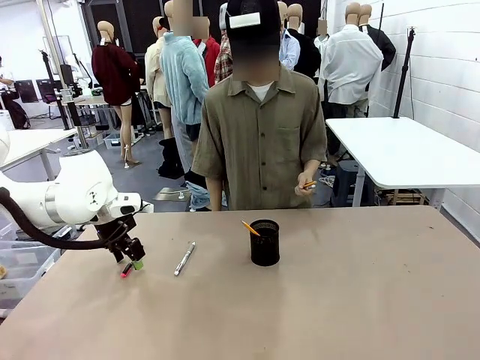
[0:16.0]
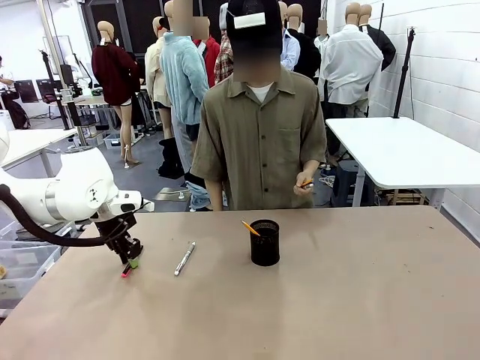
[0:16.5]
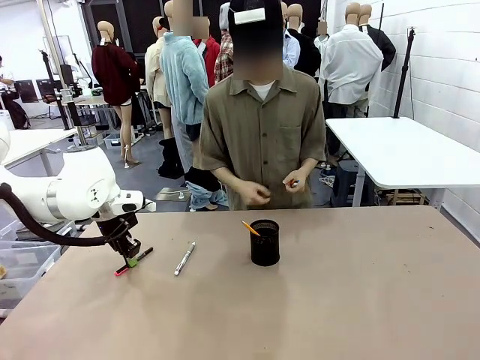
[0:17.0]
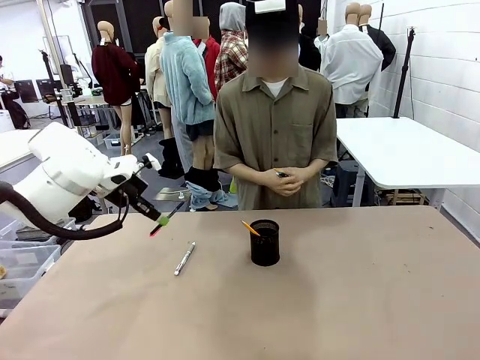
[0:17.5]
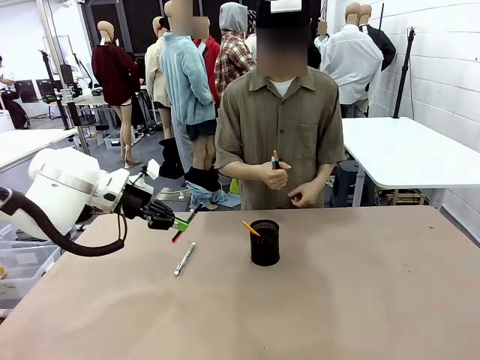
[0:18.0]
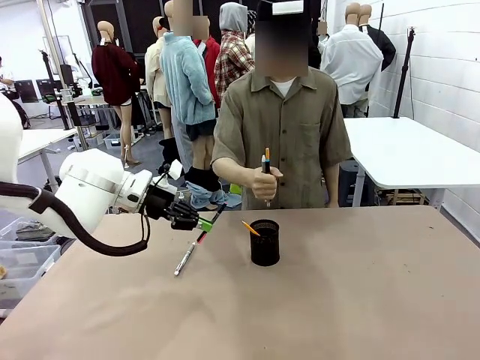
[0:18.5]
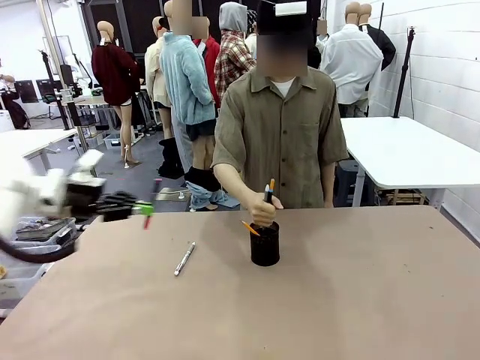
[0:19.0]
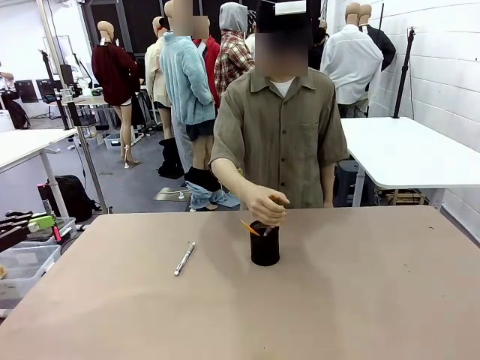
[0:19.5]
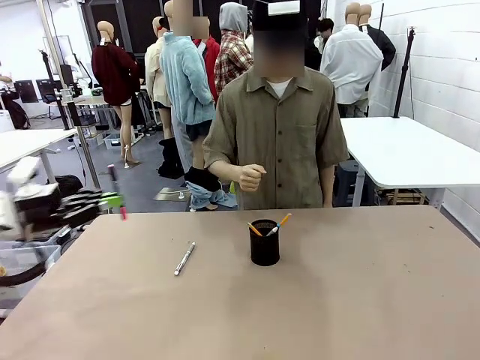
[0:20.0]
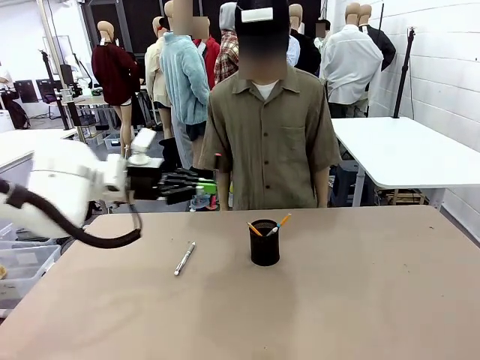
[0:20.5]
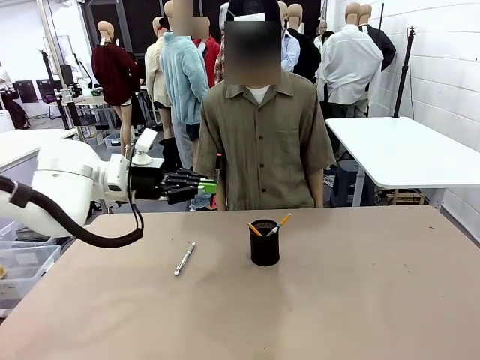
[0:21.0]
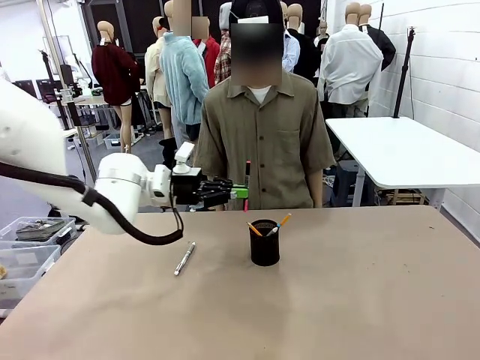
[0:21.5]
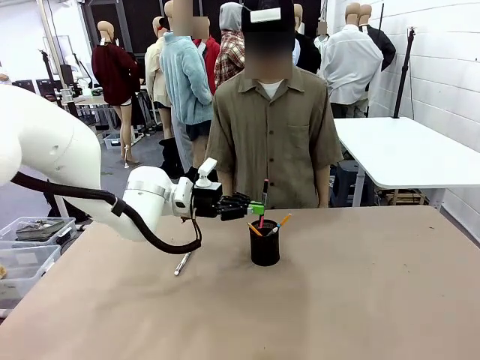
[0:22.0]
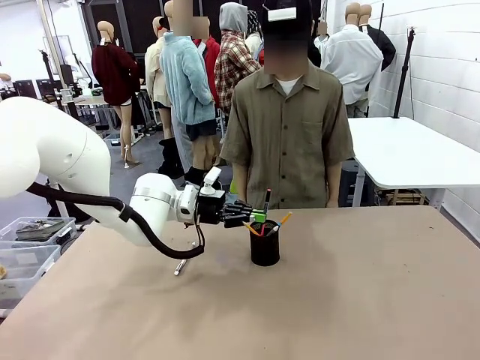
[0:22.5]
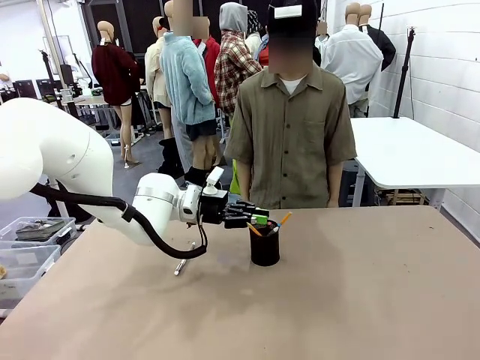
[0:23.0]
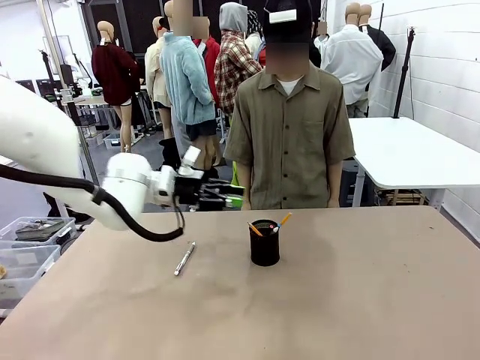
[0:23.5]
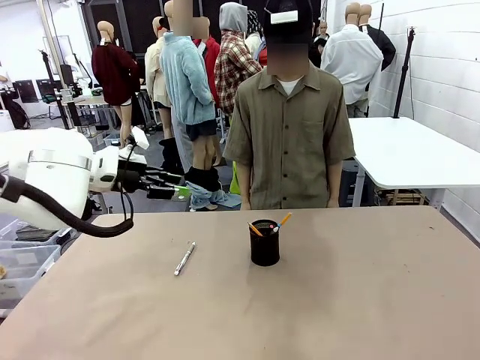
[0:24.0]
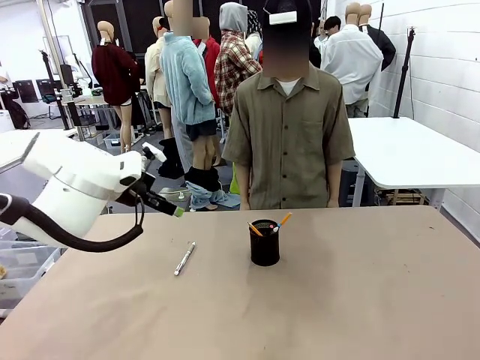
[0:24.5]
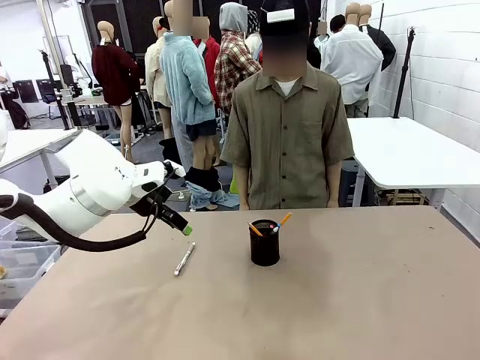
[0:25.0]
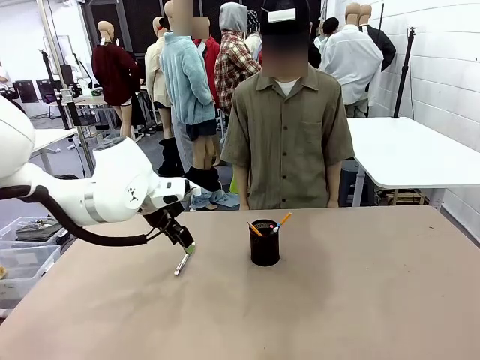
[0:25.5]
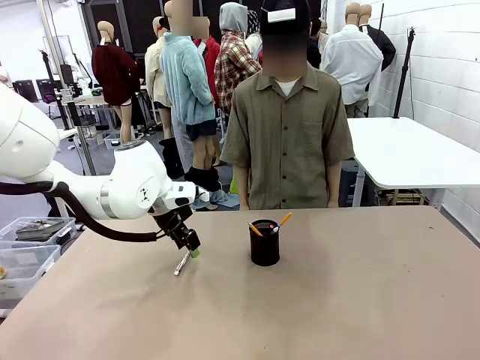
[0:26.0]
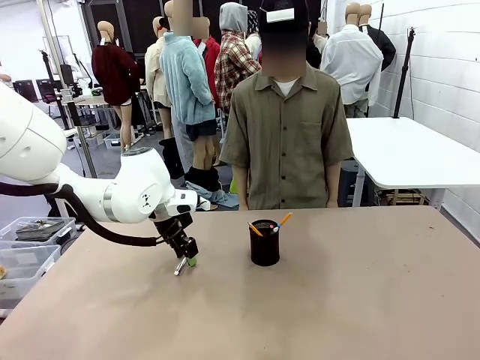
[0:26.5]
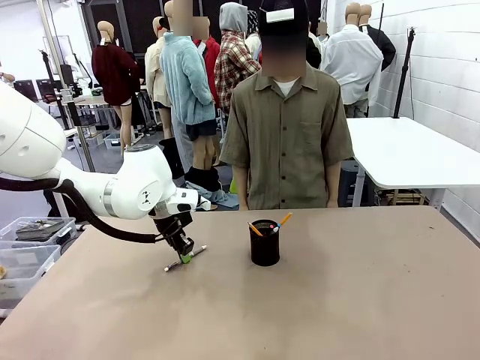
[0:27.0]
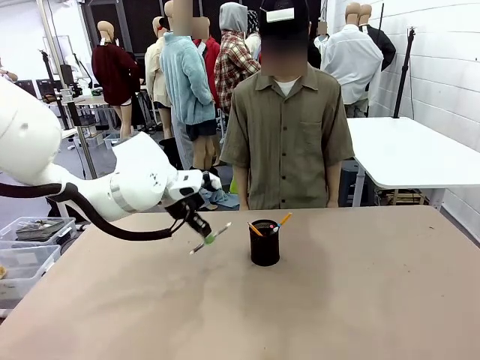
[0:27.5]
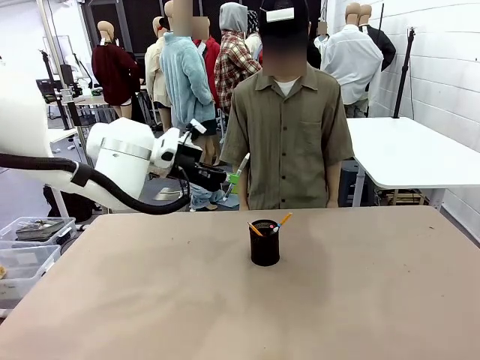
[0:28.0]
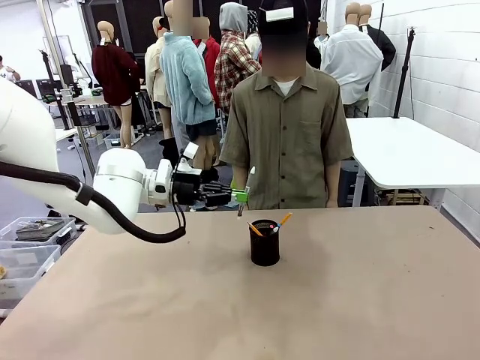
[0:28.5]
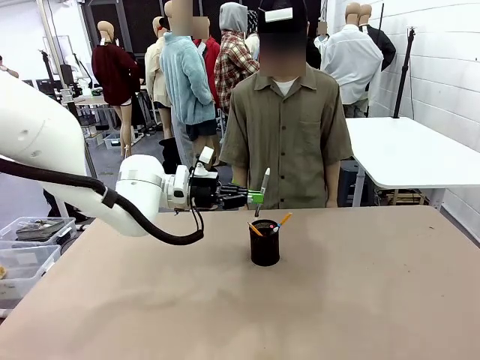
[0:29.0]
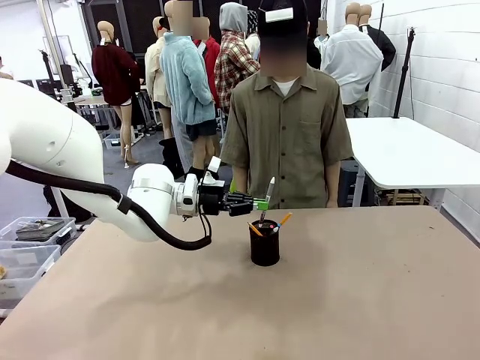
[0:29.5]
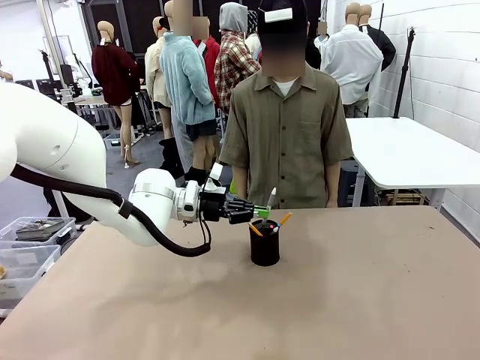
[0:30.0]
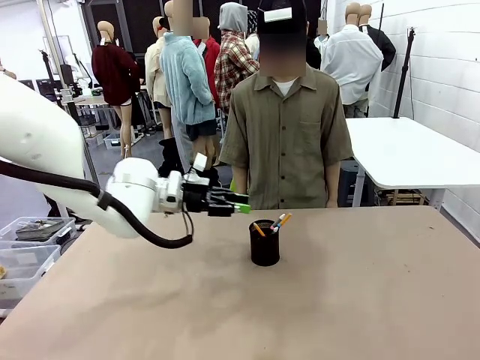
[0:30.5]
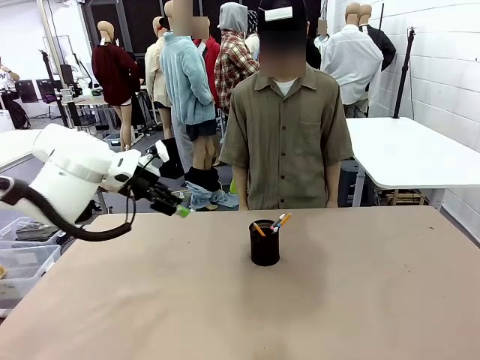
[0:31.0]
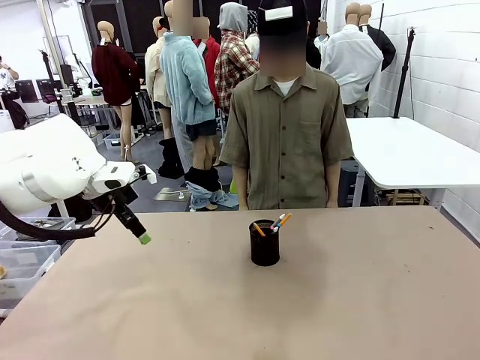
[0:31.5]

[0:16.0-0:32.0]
Task: Place the pens into the pen holder.
Robot: Pick up a writing instrument from the table and place it into the Pen holder.
Person: Place all writing instrument into the Pen holder.

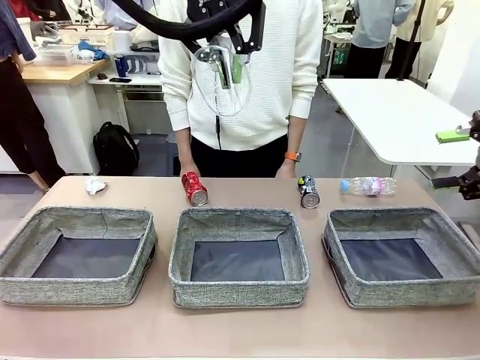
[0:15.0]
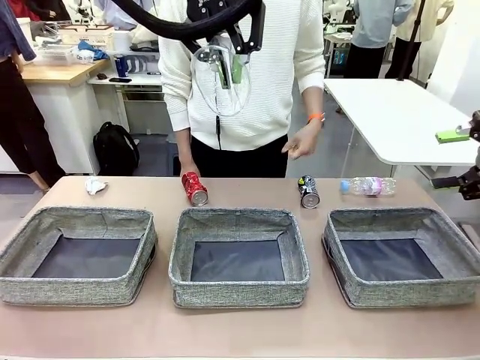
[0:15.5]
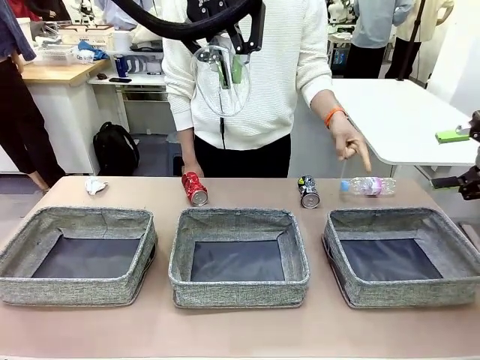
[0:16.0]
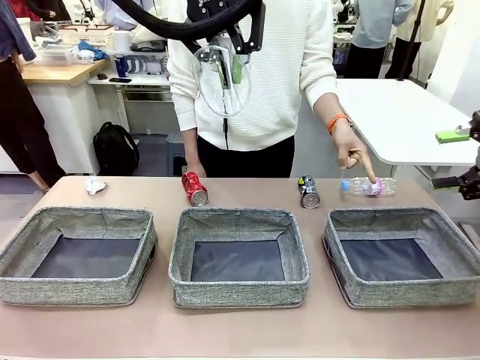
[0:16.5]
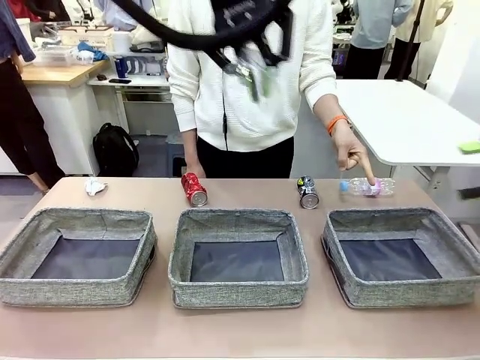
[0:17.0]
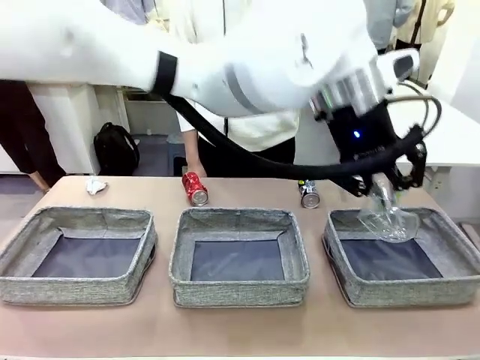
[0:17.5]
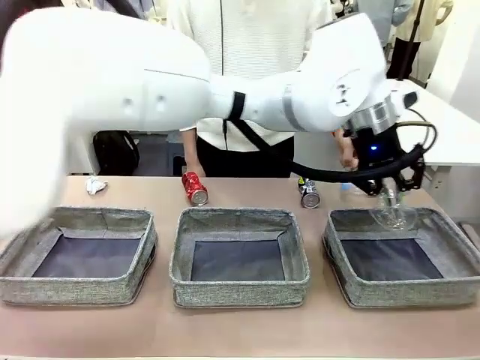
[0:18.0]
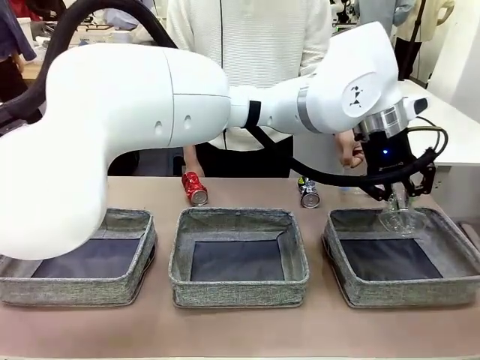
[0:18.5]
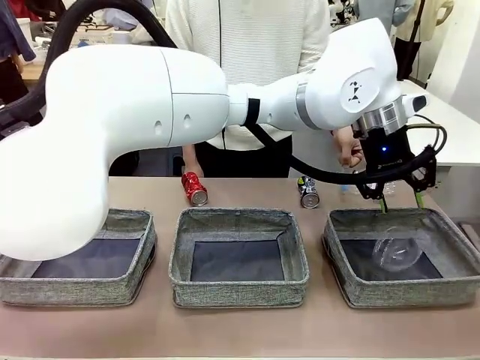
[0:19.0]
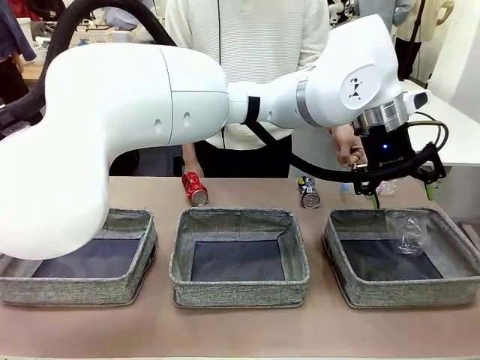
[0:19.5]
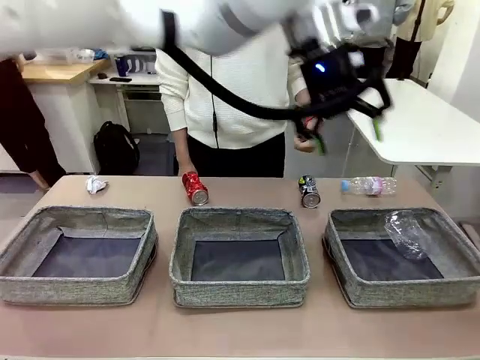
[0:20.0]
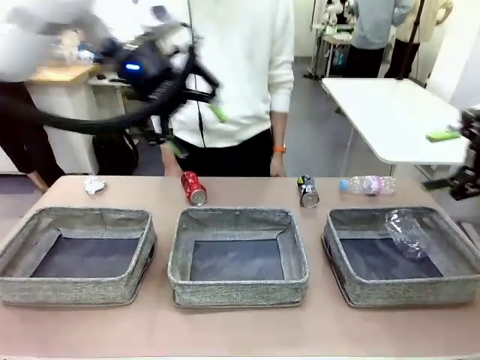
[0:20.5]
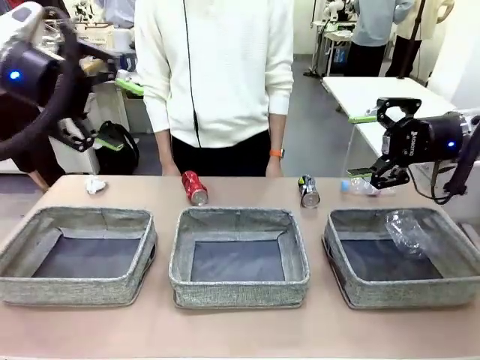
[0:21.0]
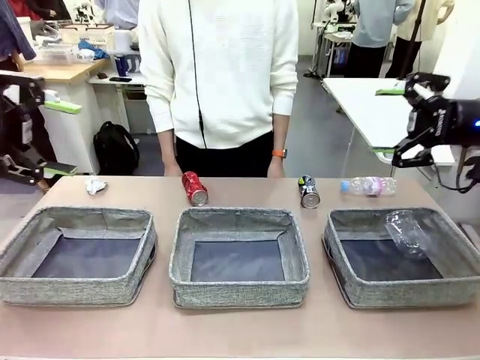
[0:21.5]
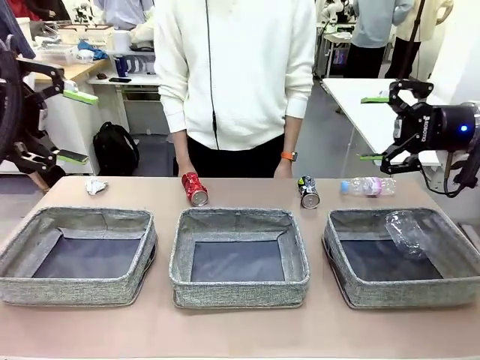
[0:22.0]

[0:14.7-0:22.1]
Task: Sort the waste into the appropriate baskets.
Robot: Place the picked waste into the Fabric basket indicated by the person.
Person: Instructs the robot to place the picked-up trash into the appropriate organizing basket.

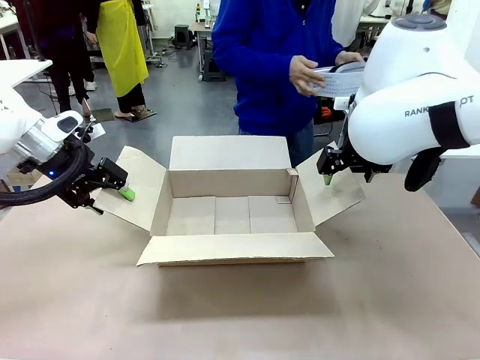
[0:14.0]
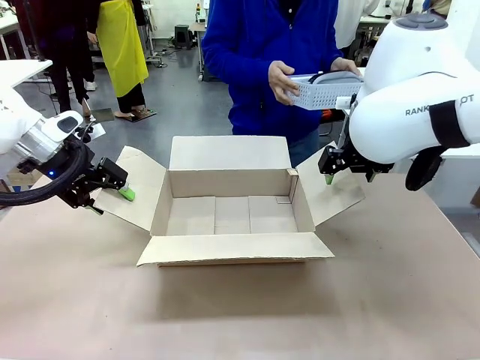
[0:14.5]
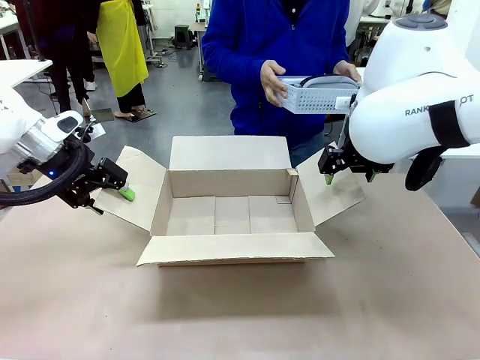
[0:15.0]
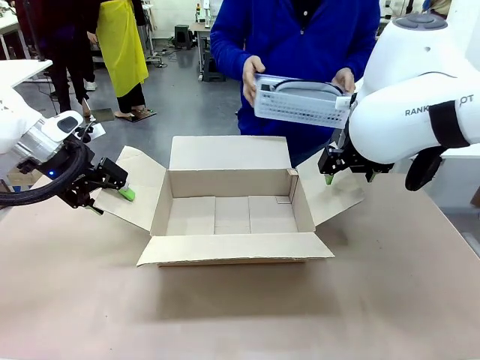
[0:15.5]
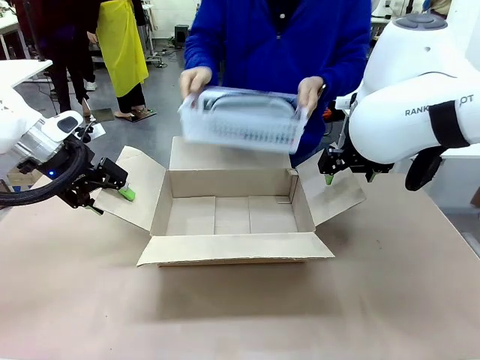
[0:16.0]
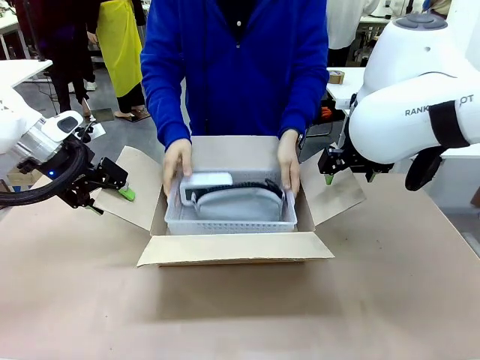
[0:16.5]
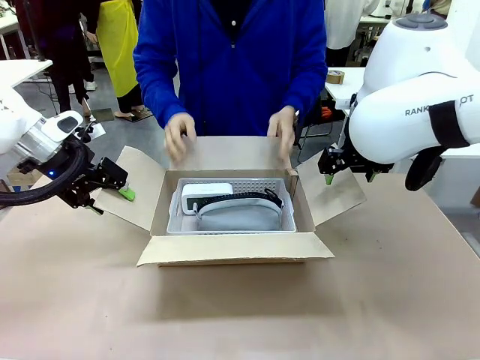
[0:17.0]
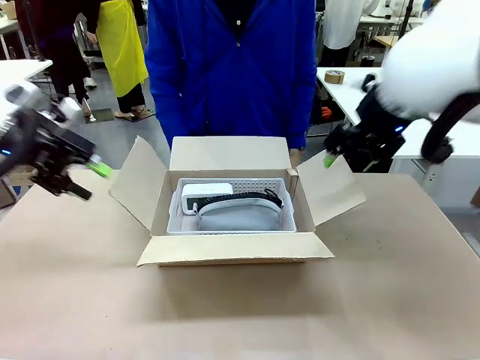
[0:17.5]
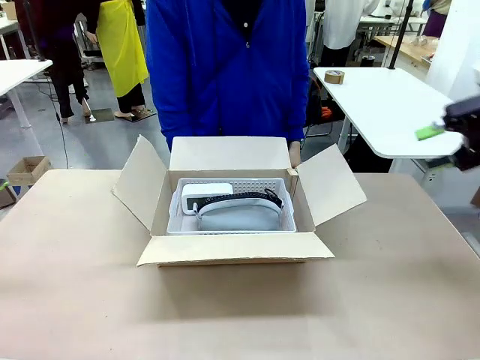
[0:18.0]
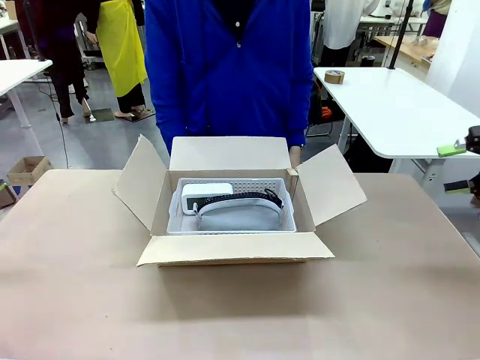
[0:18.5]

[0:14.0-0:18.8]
Task: Pack the gift set into the box.
Robot: Lift both hands away from the flaps of the Package Box.
Person: The human picks up the organizing basket and places the organizing basket into the package box on the robot table.
